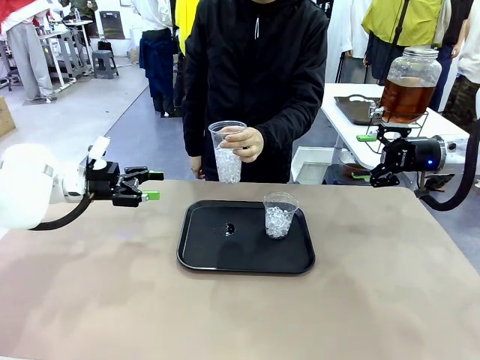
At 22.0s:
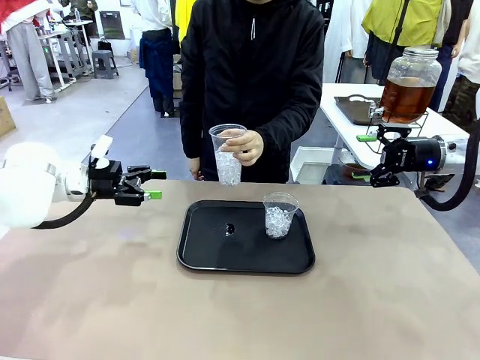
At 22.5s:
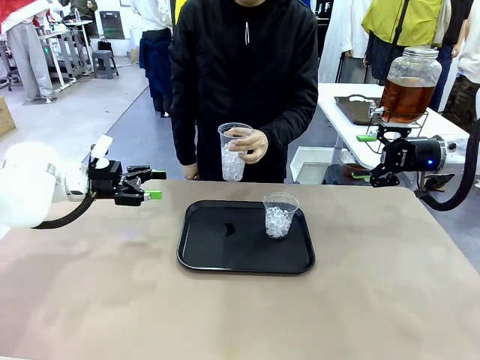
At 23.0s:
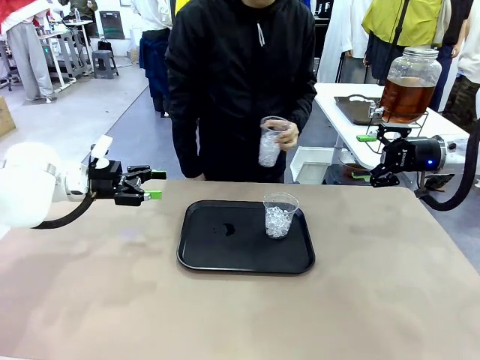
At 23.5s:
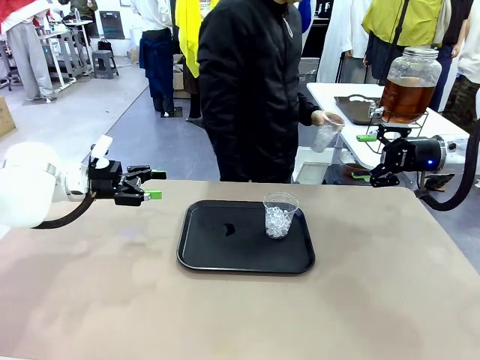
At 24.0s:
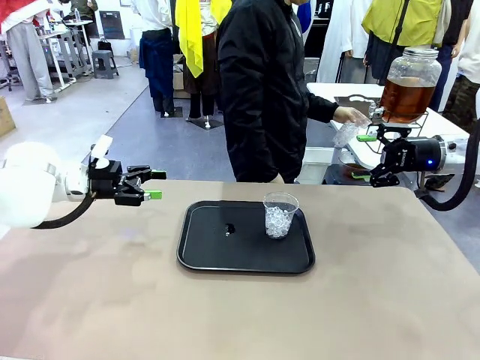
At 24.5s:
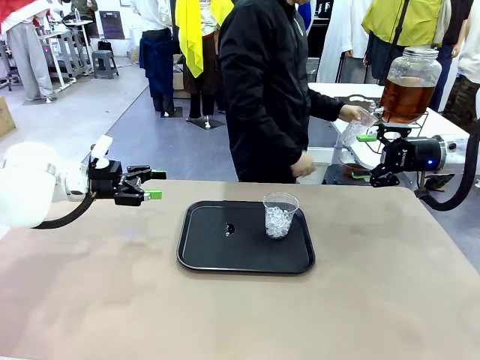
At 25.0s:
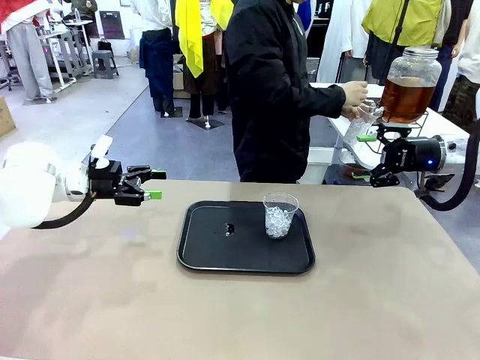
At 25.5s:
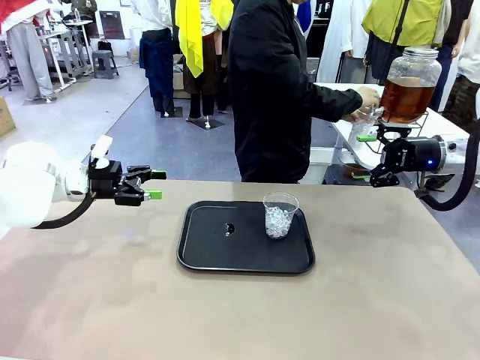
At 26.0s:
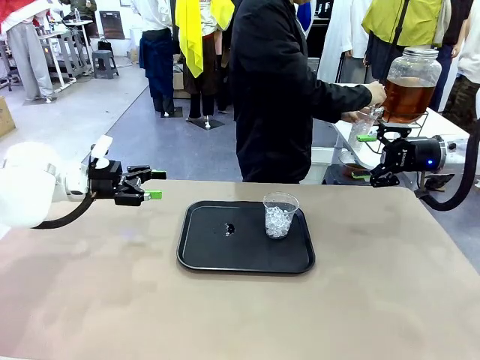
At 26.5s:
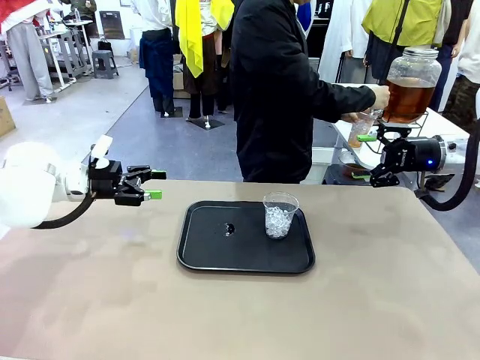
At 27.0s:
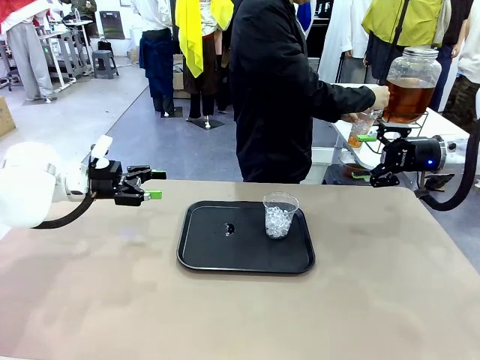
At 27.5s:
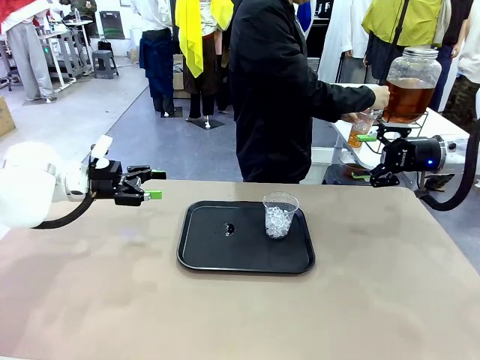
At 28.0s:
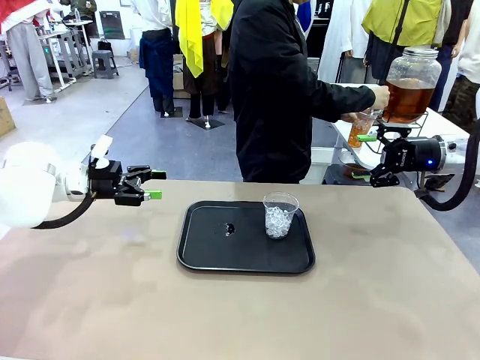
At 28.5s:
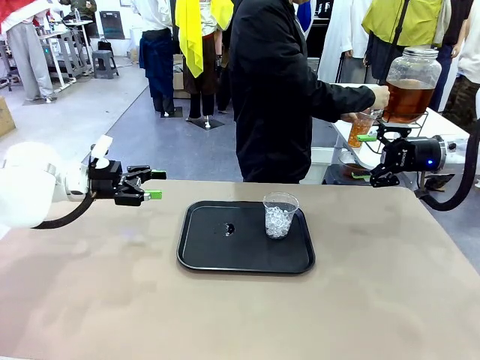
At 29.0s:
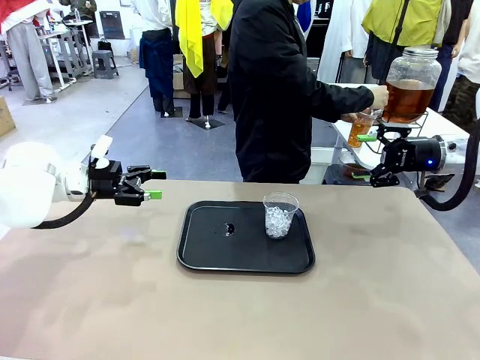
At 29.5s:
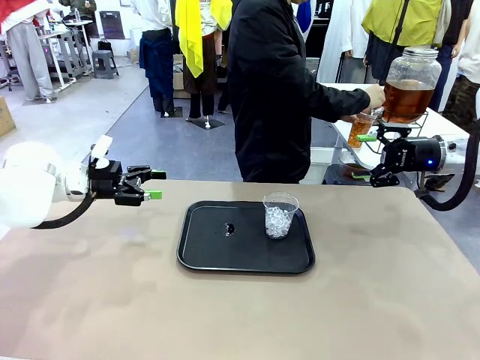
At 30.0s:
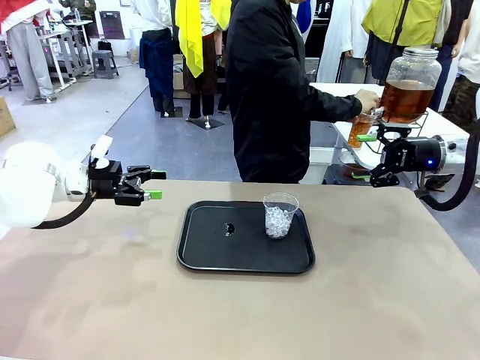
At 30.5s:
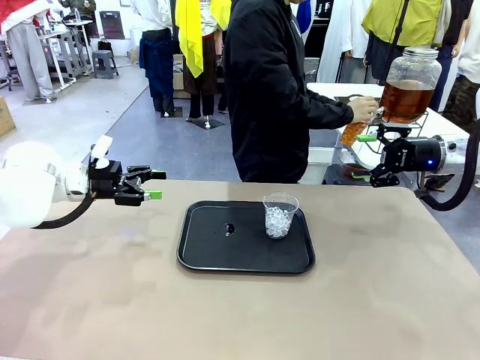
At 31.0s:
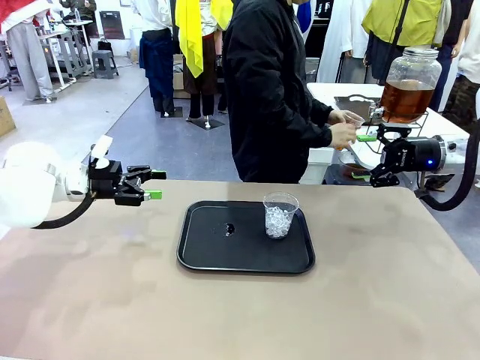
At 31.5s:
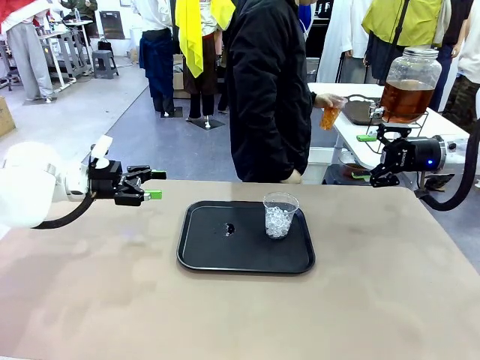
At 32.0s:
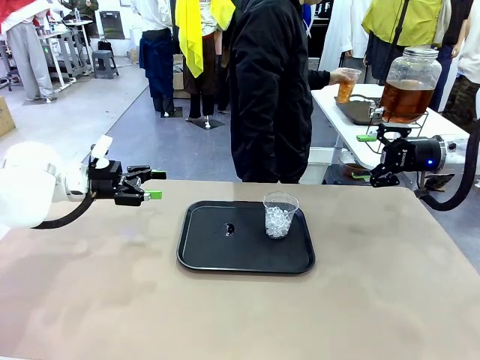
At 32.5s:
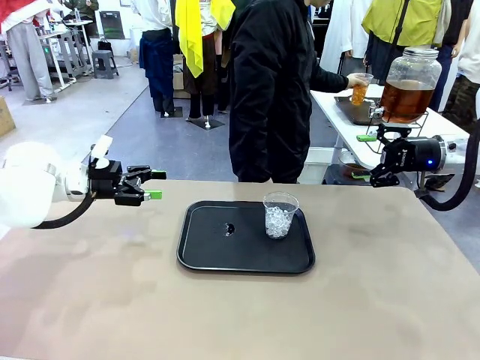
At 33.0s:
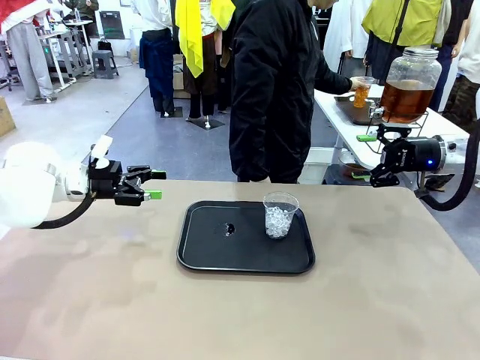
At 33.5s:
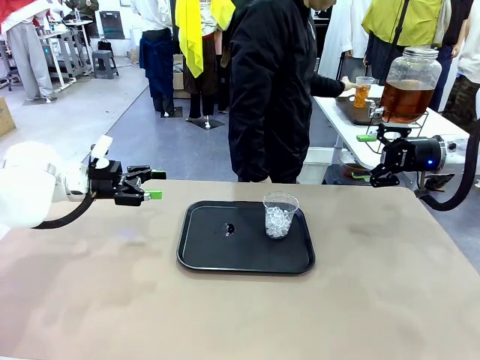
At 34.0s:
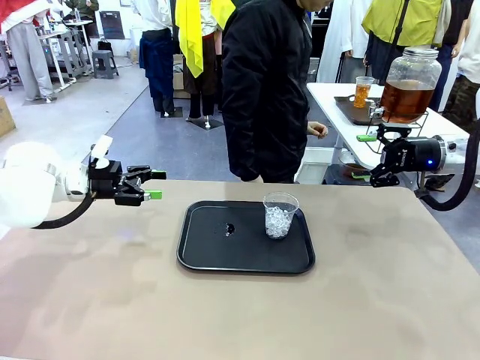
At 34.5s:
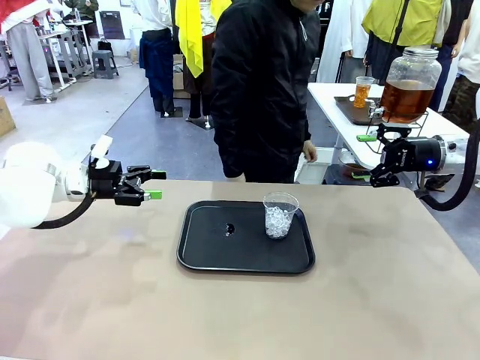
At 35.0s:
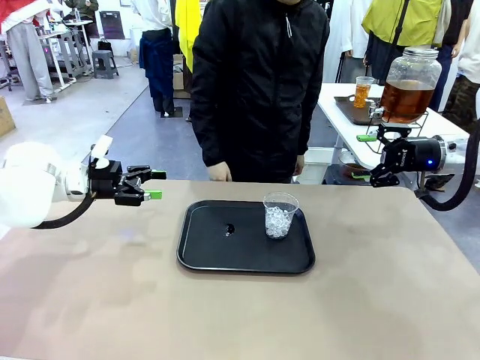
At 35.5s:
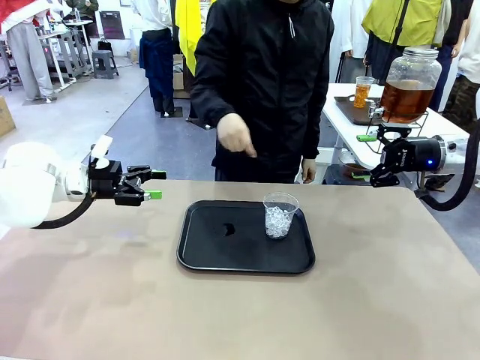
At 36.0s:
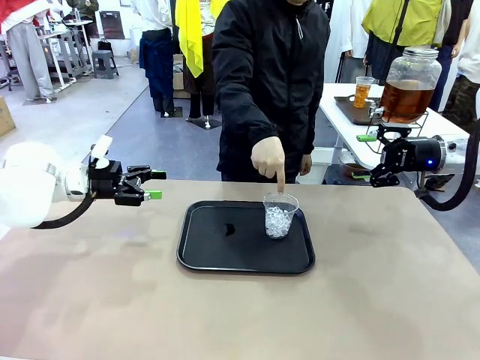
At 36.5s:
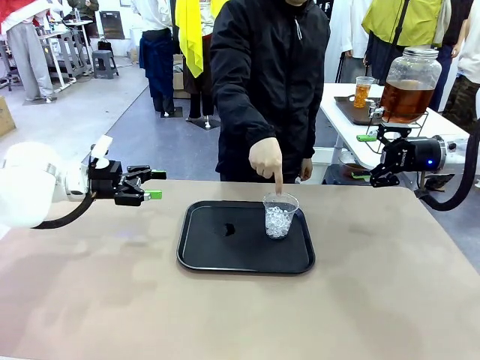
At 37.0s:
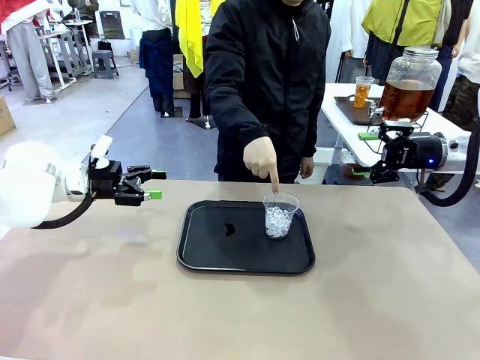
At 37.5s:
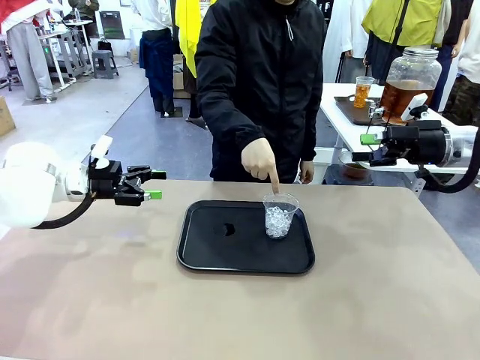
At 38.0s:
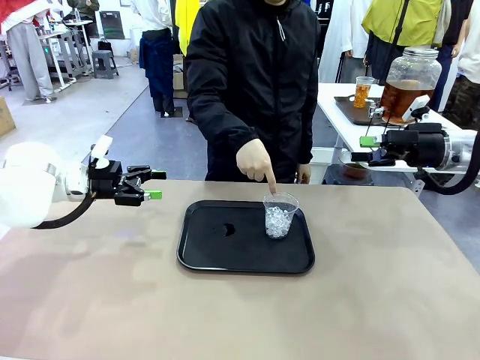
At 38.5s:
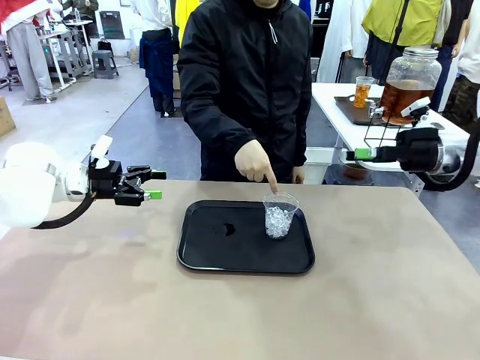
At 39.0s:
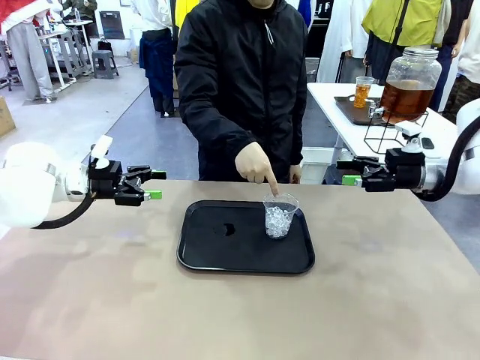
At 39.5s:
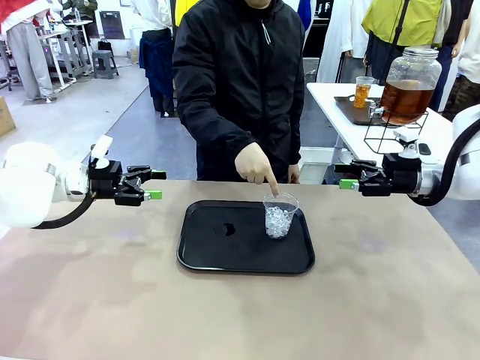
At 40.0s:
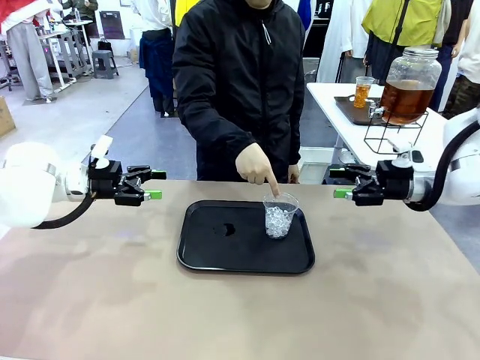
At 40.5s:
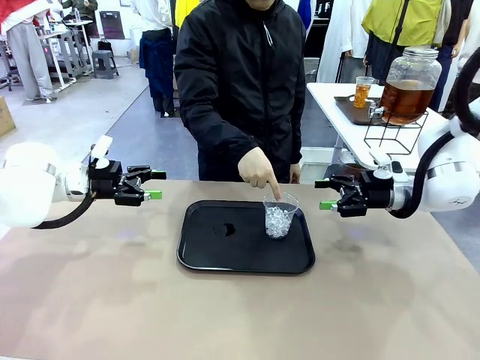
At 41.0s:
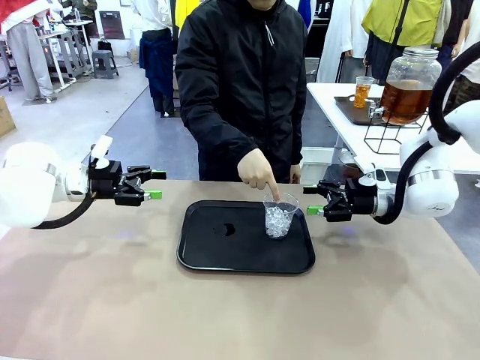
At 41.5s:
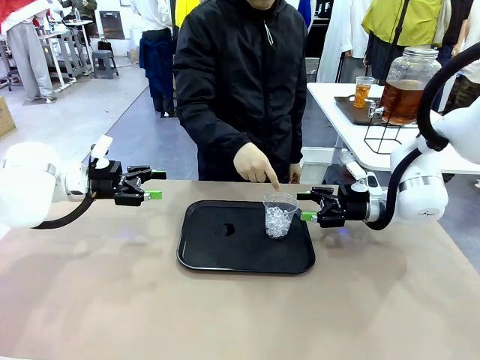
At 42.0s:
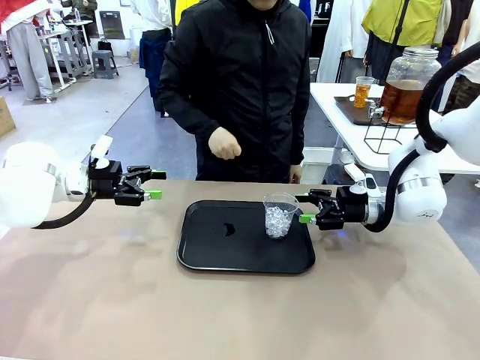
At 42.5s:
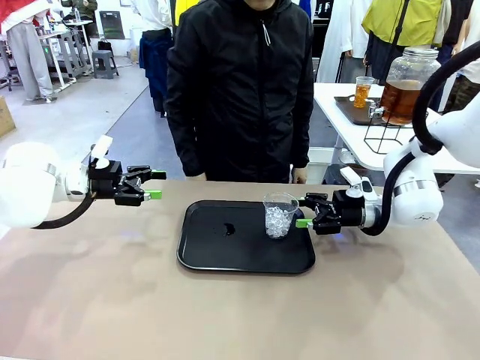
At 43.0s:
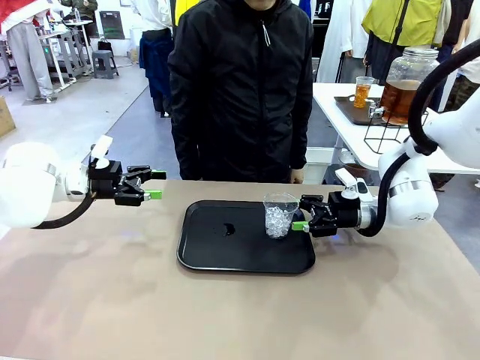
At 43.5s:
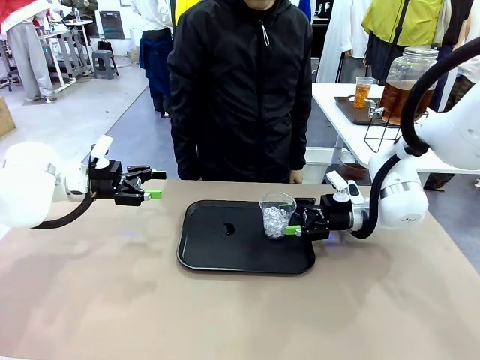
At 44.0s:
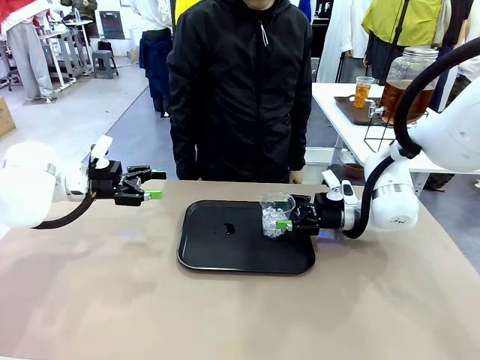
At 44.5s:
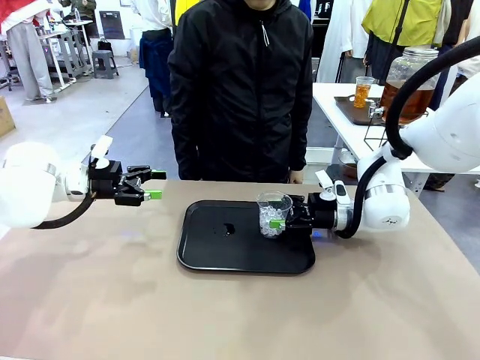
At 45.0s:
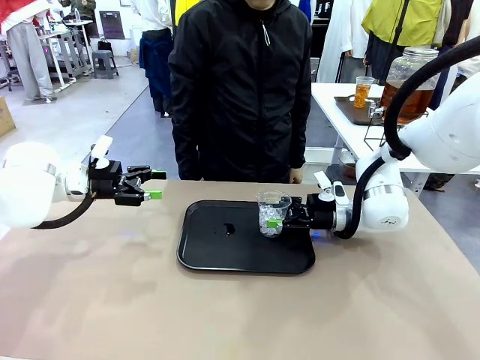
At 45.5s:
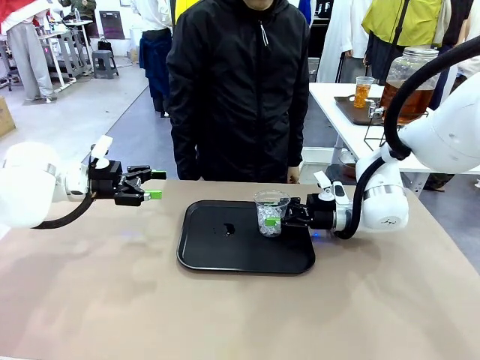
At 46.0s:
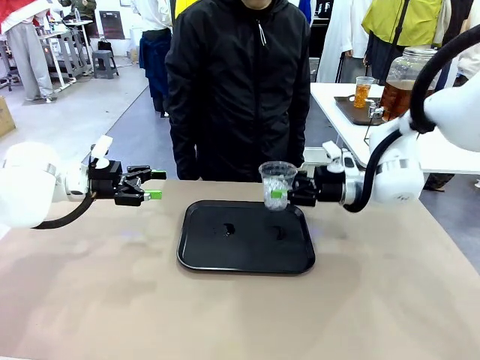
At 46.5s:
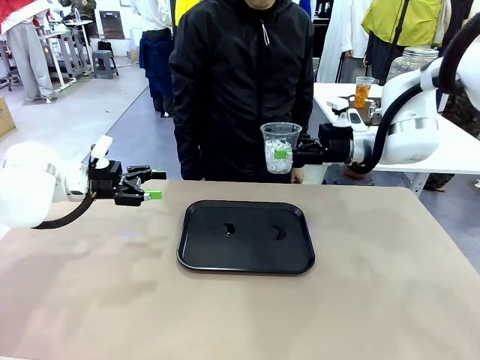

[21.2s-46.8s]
Task: Pour the drink into the iced cup.
Robot: Pick up the iced cup indicated by the human and present it to them.
Person: Move the picked-up cup under the dispenser faucet, pour the drink, and place it on the tray on the human table. Point to the remaining ice cup on the robot table. Pick up the cup offered by the robot.
